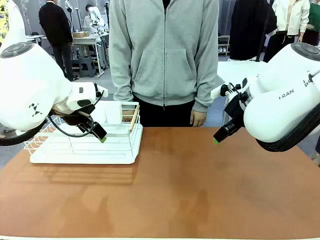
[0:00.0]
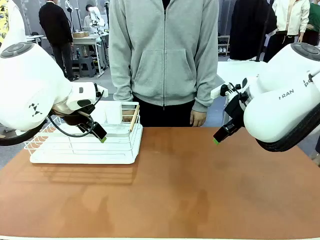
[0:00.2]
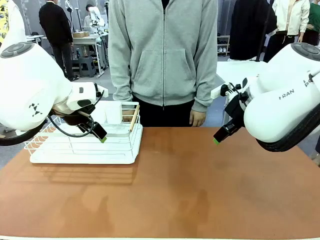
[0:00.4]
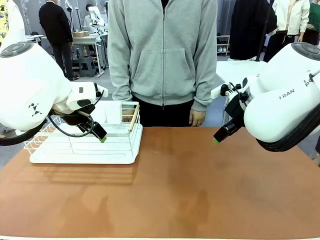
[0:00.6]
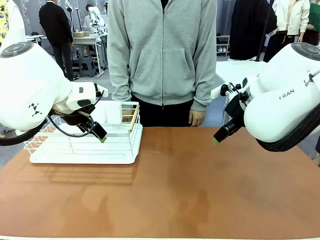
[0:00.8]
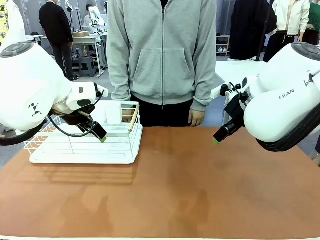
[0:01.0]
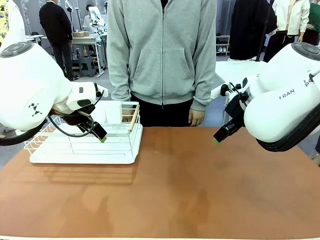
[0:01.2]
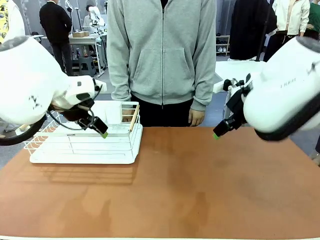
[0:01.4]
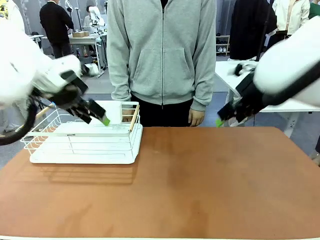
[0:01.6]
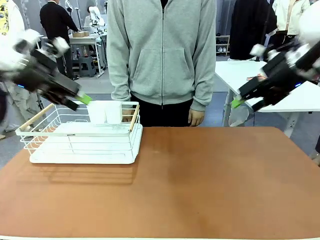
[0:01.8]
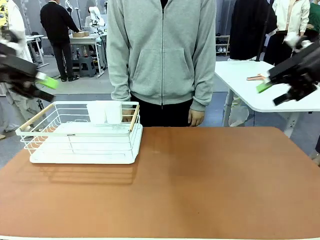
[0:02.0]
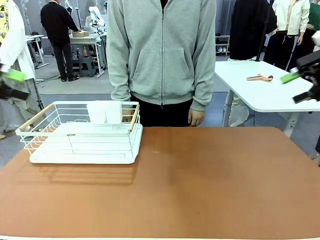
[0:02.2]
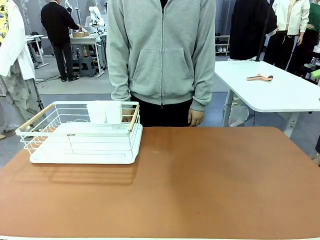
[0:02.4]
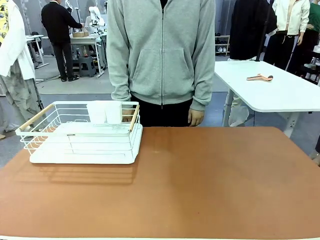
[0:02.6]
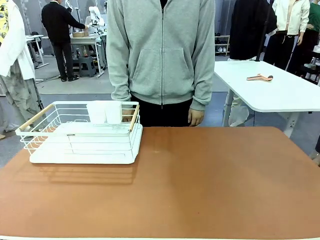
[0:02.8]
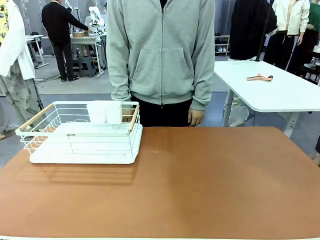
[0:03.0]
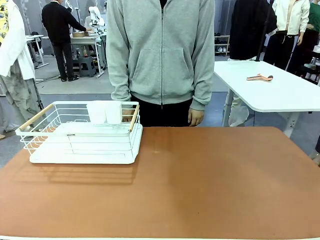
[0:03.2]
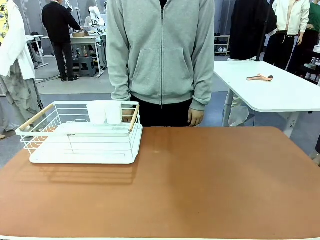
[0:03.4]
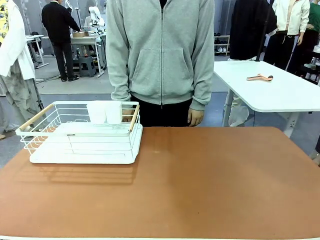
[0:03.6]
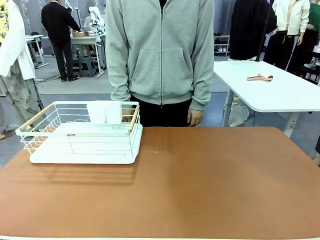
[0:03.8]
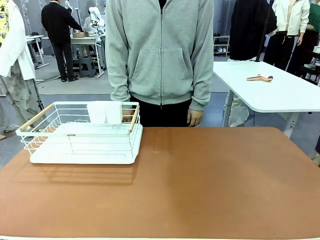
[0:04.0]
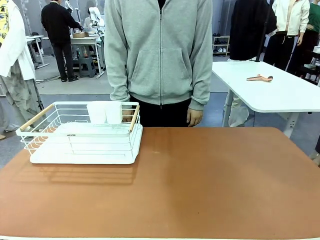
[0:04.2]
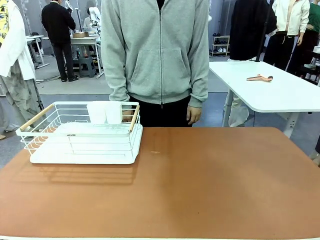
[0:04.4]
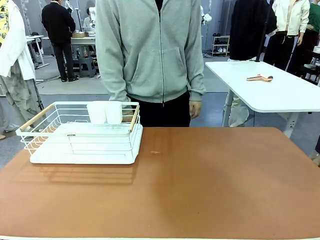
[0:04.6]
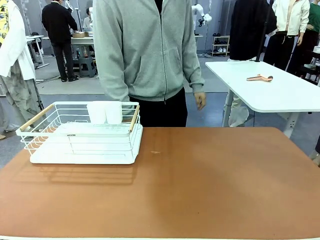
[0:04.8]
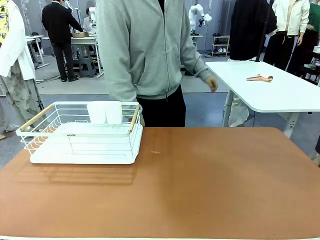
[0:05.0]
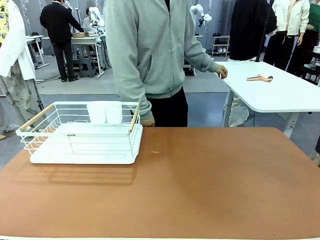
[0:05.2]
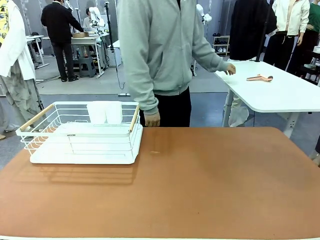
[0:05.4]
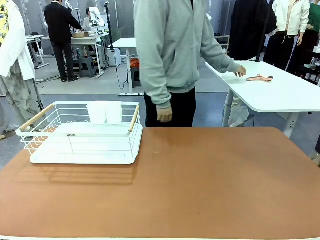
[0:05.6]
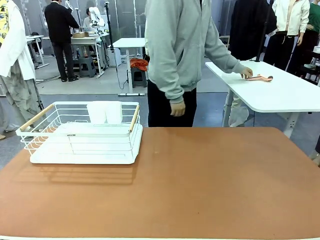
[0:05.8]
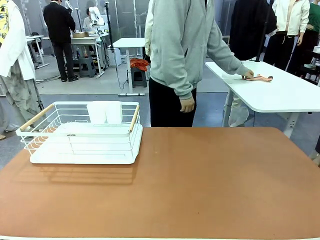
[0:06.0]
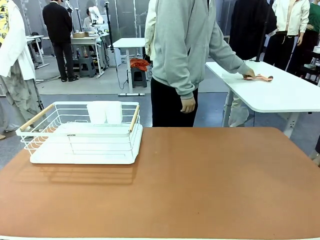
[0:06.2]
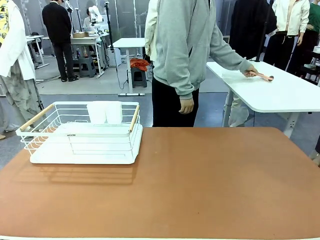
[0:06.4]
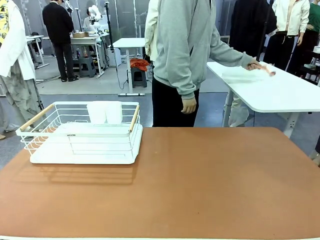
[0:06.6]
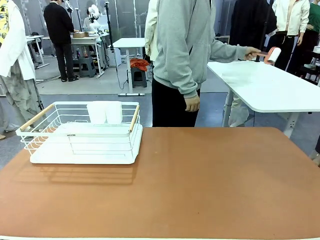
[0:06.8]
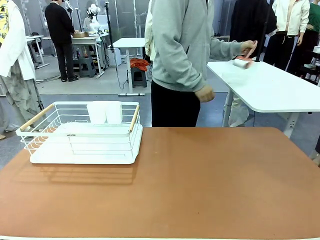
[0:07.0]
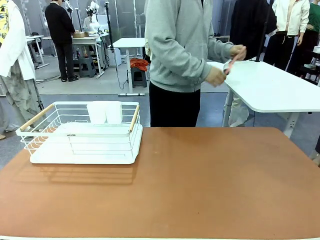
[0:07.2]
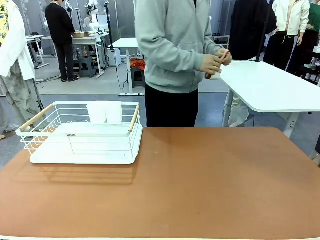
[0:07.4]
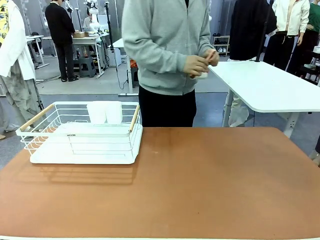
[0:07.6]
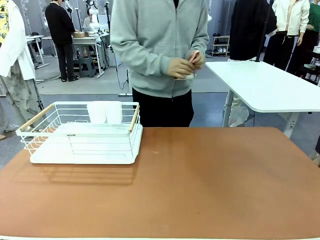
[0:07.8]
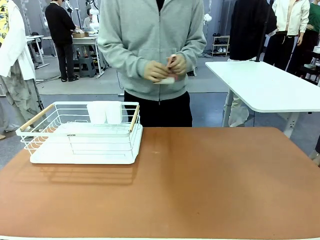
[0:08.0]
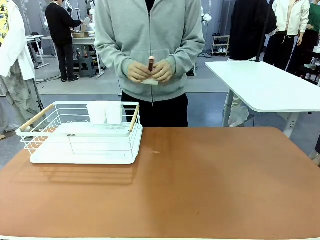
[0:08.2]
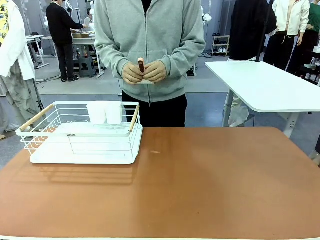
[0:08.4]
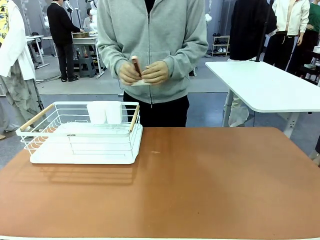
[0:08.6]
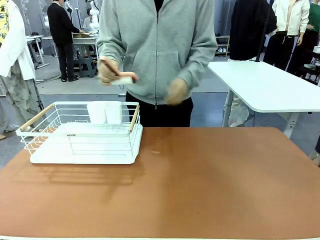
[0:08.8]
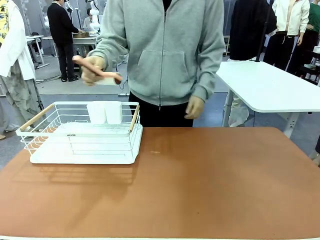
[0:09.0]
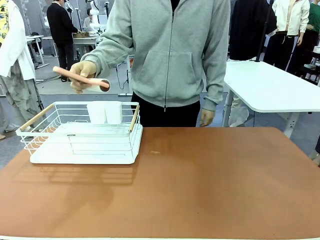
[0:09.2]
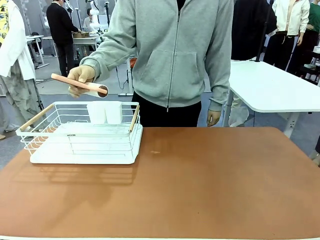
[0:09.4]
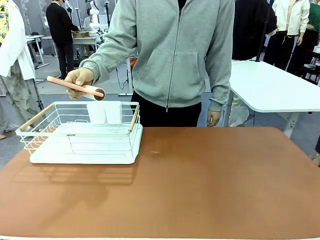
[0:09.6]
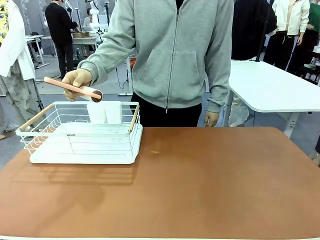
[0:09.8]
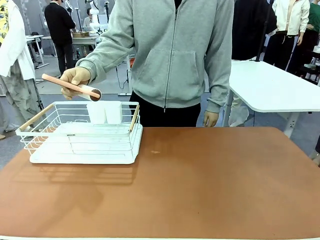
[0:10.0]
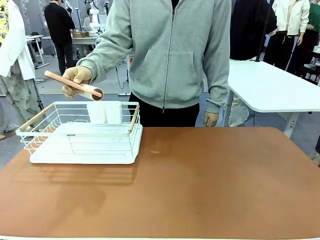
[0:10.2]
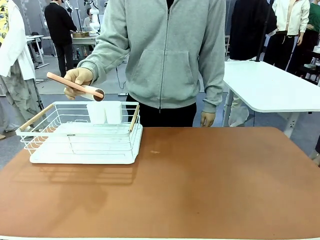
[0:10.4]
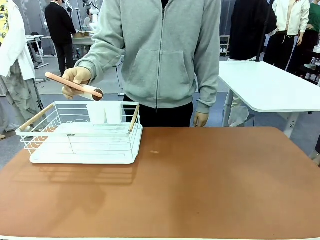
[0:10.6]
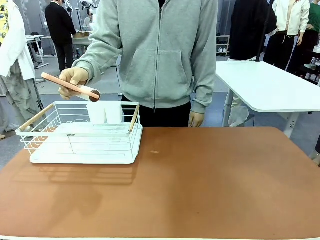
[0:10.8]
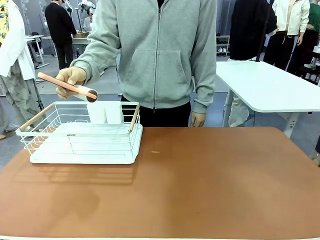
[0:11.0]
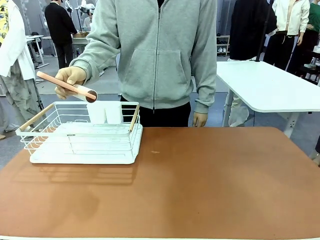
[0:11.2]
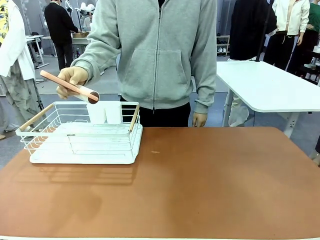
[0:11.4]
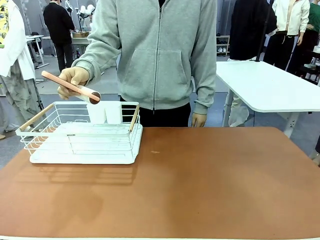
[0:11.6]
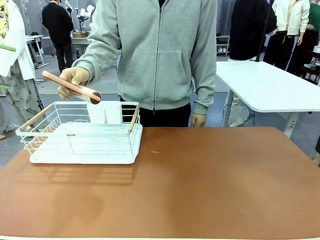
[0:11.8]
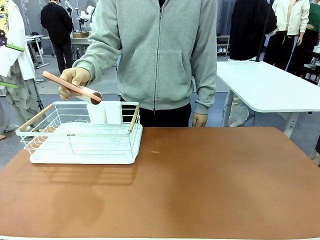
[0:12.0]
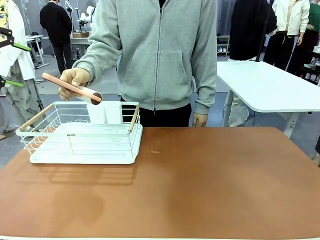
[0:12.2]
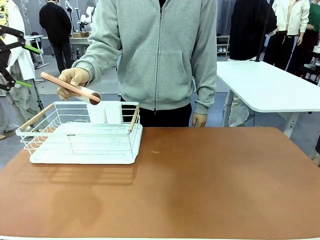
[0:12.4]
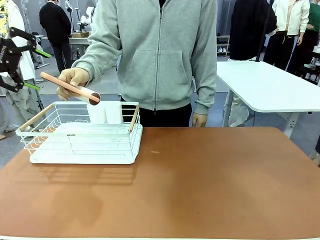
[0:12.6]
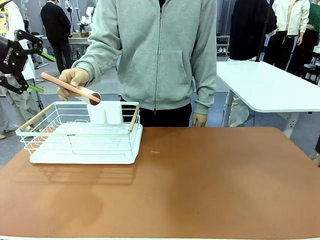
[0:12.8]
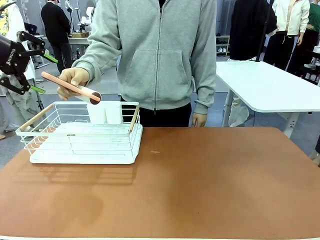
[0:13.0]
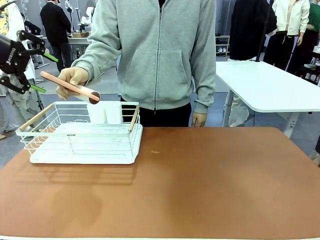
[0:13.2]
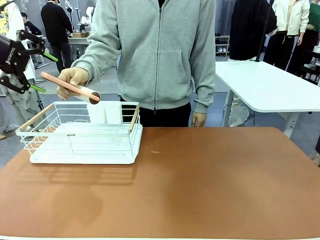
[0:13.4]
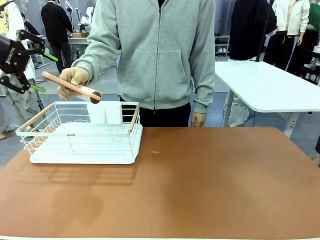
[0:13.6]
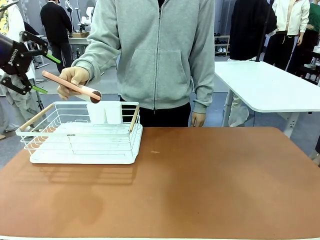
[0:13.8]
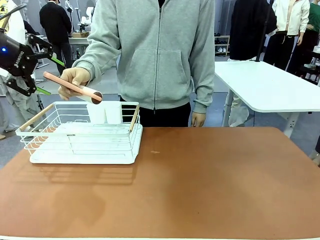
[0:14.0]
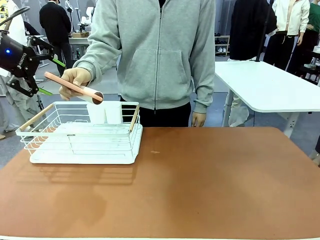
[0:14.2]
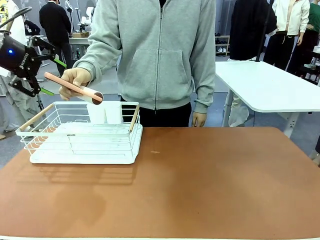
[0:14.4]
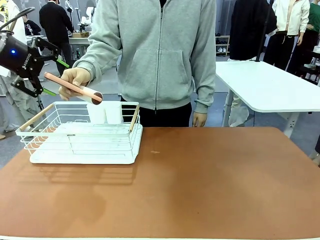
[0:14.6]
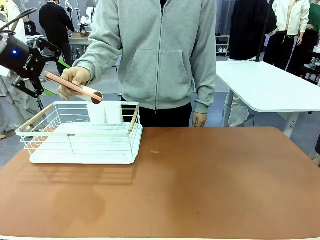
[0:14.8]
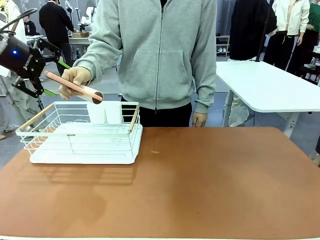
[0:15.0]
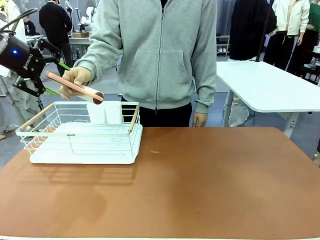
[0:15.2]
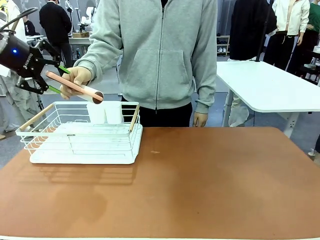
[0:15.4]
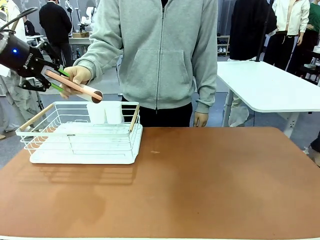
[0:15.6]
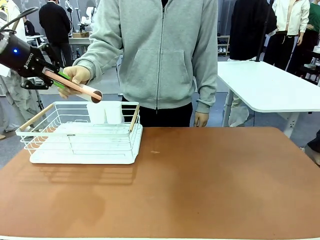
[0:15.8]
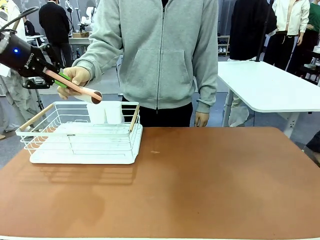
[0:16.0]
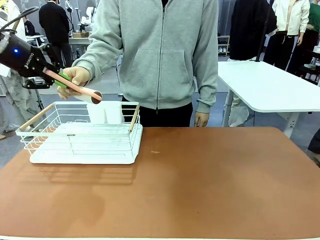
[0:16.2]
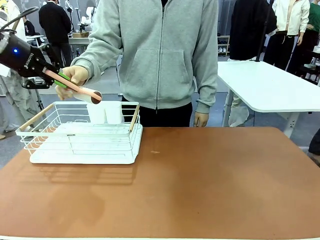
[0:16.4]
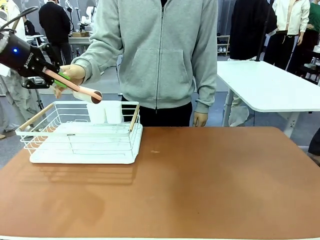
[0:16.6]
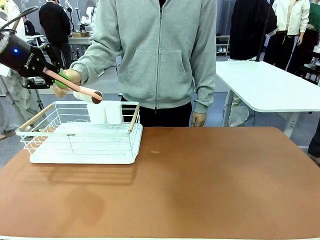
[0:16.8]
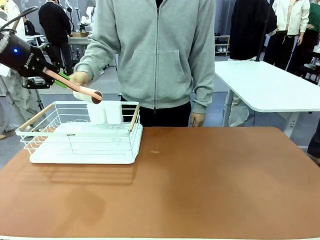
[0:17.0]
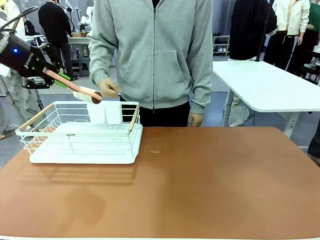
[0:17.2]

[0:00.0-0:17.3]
Task: Clean the table.
Robot: Pick up the Lint Roller when the human hands it over.
Person: Hand the Lint Roller to the robot so it can easily pick it up. Lift the Dish drying rack.
